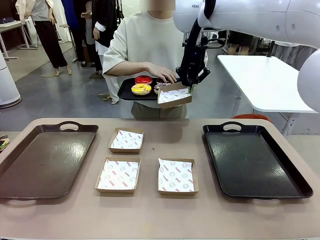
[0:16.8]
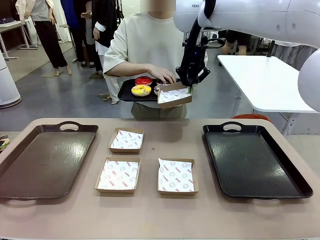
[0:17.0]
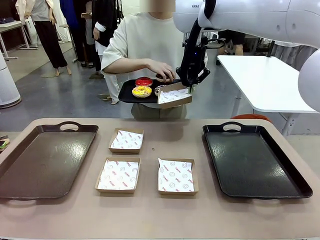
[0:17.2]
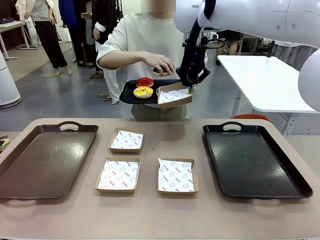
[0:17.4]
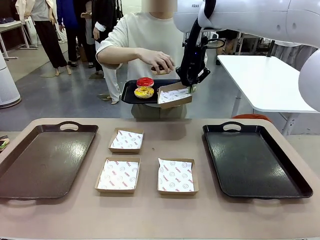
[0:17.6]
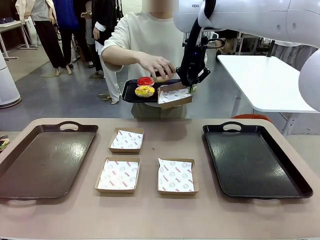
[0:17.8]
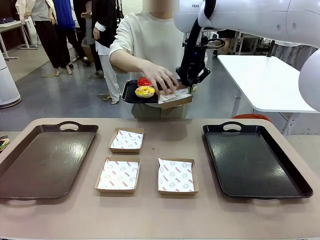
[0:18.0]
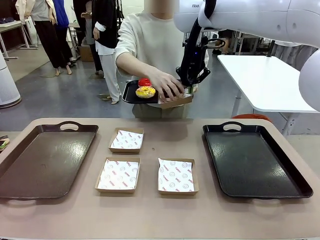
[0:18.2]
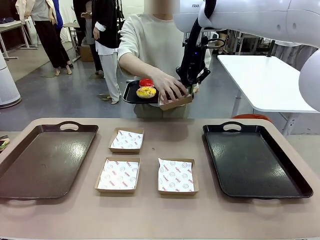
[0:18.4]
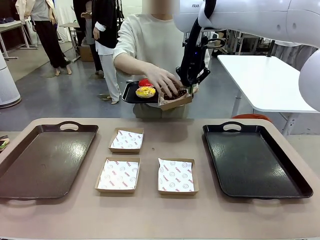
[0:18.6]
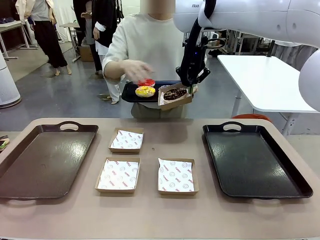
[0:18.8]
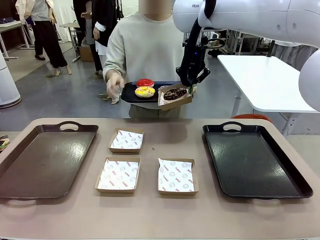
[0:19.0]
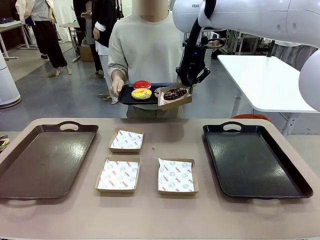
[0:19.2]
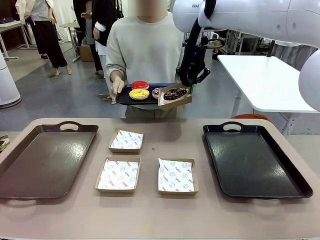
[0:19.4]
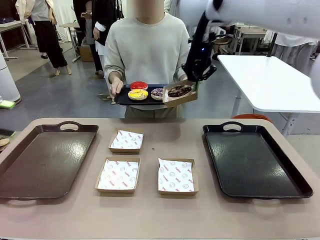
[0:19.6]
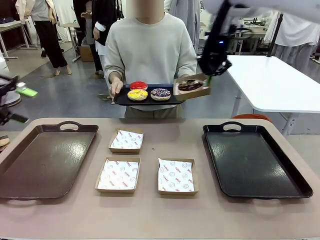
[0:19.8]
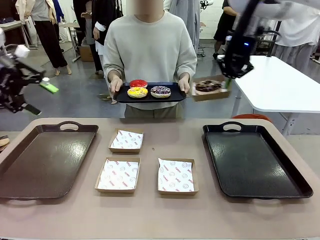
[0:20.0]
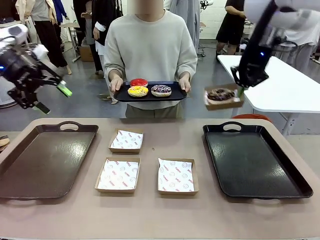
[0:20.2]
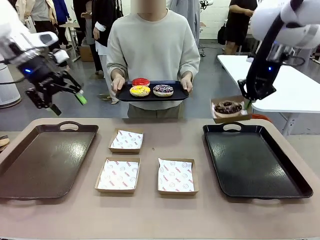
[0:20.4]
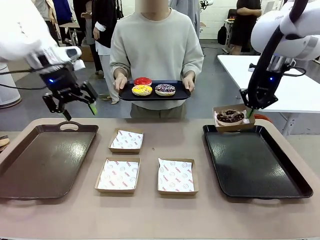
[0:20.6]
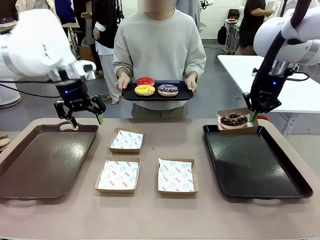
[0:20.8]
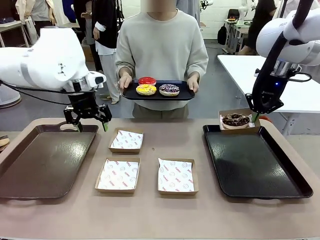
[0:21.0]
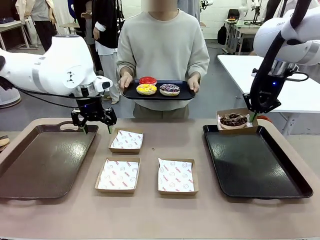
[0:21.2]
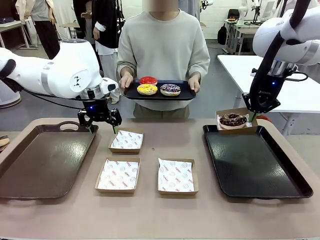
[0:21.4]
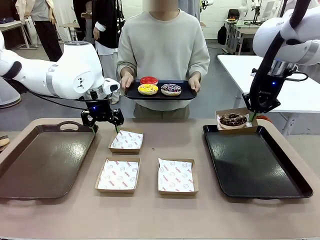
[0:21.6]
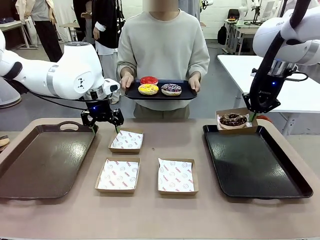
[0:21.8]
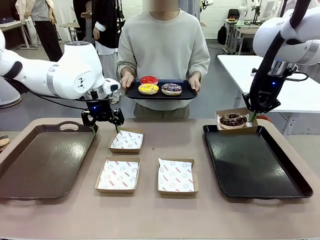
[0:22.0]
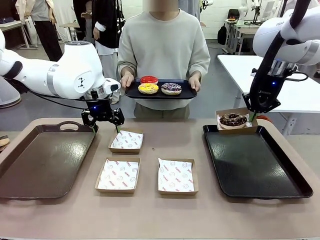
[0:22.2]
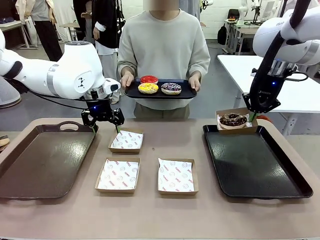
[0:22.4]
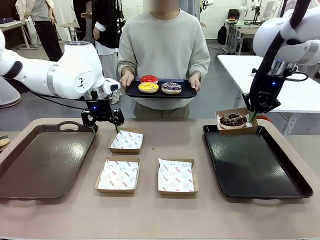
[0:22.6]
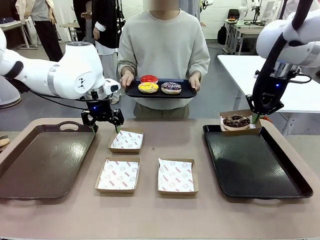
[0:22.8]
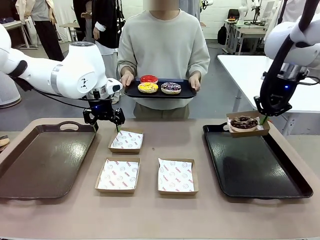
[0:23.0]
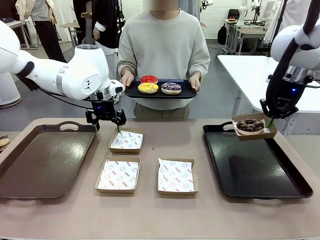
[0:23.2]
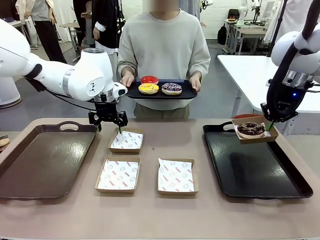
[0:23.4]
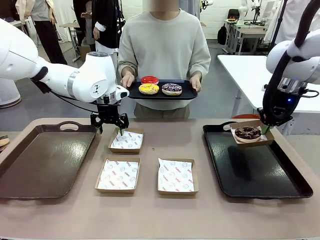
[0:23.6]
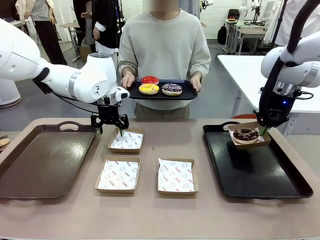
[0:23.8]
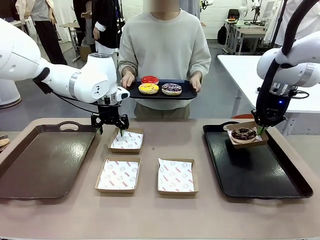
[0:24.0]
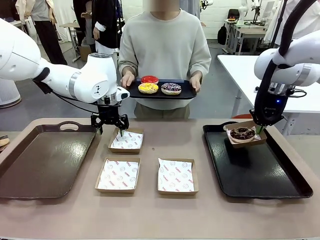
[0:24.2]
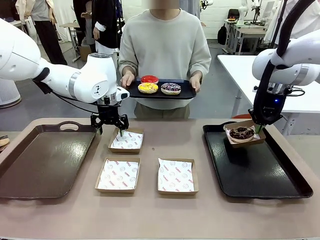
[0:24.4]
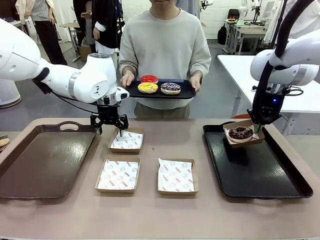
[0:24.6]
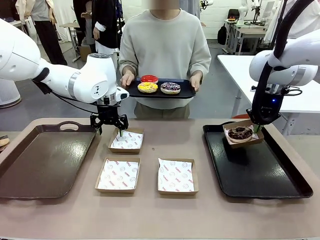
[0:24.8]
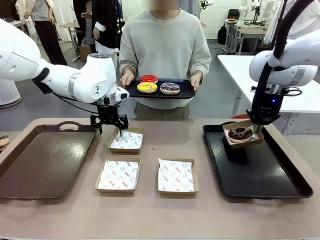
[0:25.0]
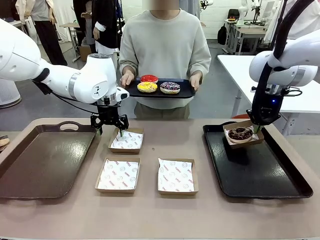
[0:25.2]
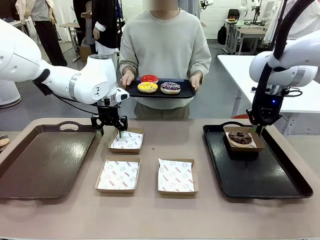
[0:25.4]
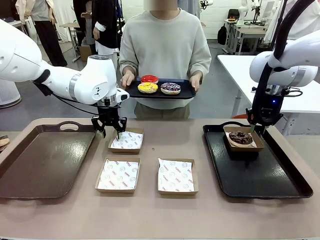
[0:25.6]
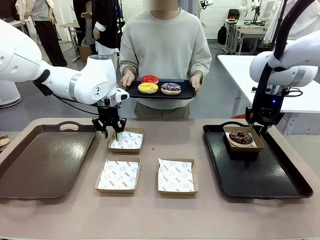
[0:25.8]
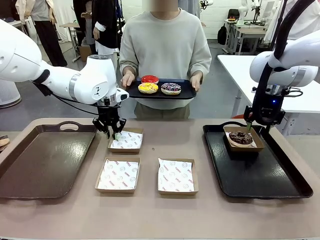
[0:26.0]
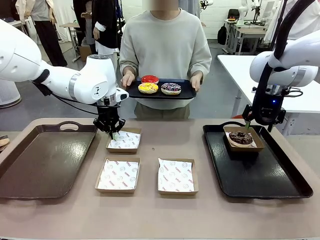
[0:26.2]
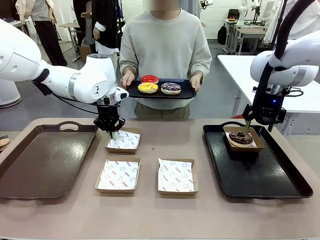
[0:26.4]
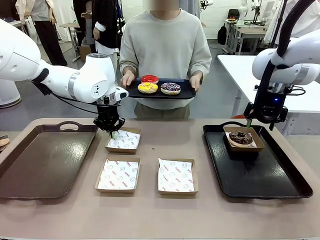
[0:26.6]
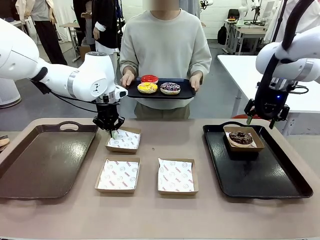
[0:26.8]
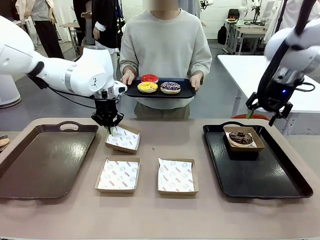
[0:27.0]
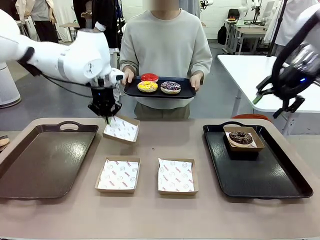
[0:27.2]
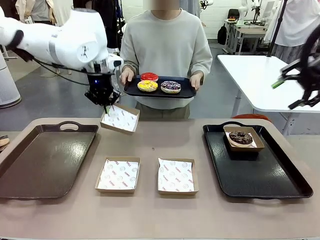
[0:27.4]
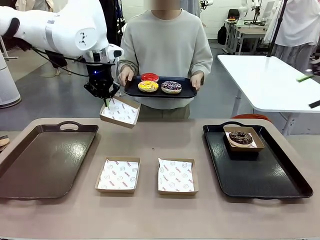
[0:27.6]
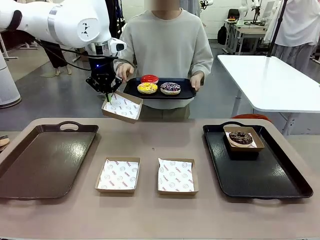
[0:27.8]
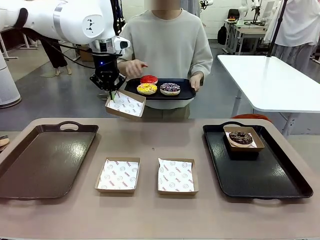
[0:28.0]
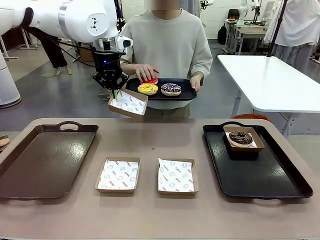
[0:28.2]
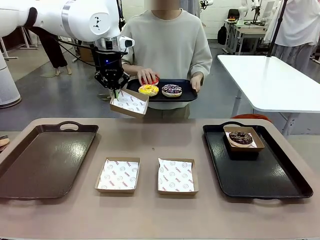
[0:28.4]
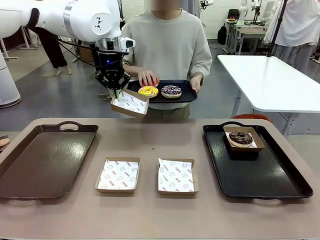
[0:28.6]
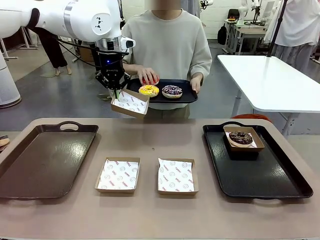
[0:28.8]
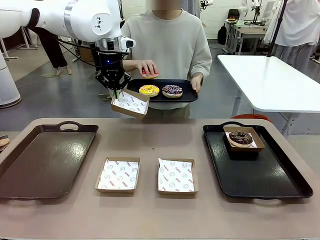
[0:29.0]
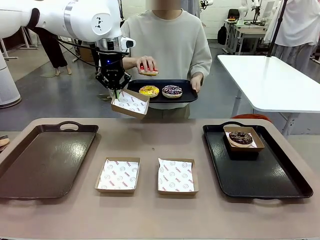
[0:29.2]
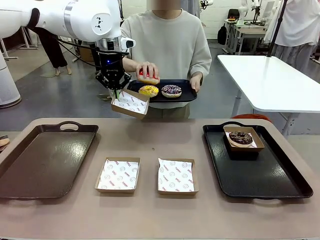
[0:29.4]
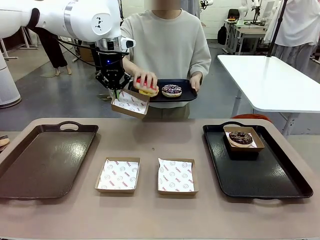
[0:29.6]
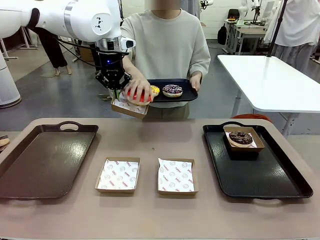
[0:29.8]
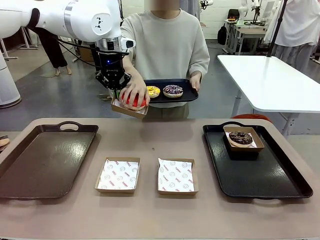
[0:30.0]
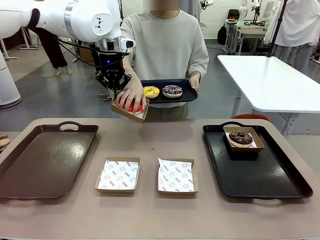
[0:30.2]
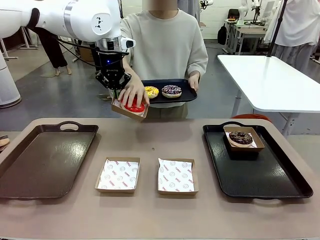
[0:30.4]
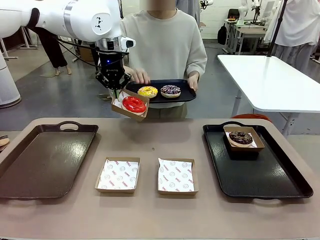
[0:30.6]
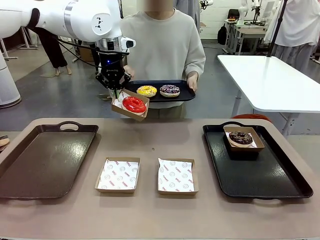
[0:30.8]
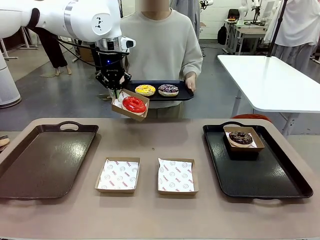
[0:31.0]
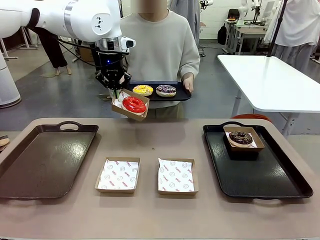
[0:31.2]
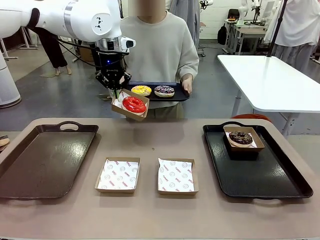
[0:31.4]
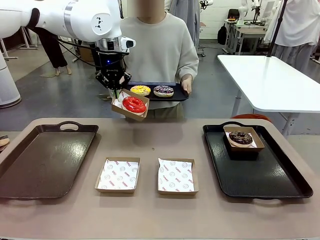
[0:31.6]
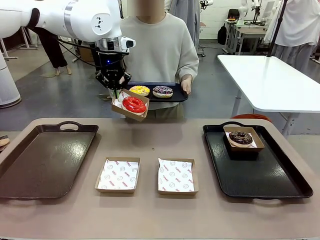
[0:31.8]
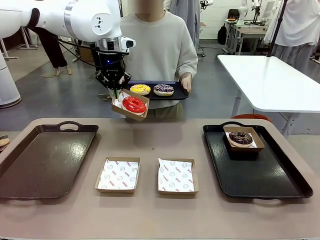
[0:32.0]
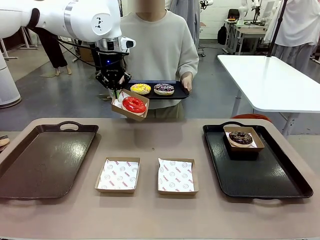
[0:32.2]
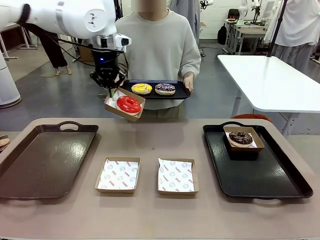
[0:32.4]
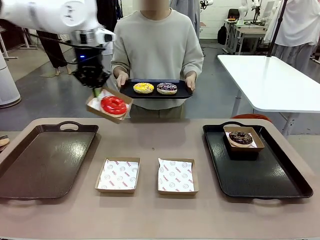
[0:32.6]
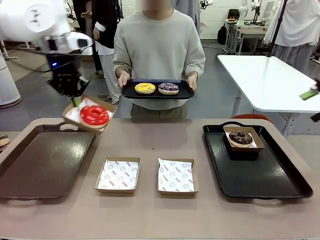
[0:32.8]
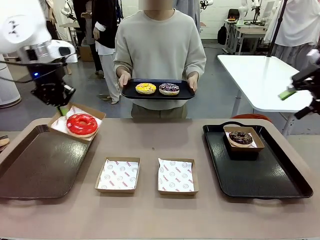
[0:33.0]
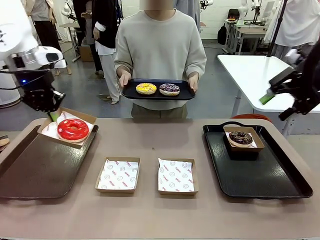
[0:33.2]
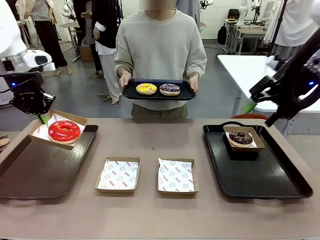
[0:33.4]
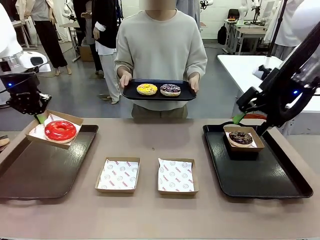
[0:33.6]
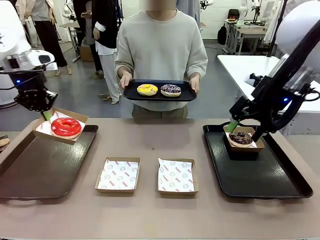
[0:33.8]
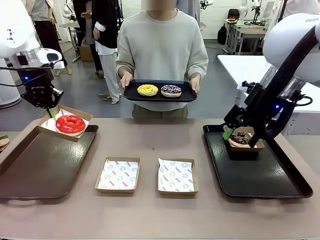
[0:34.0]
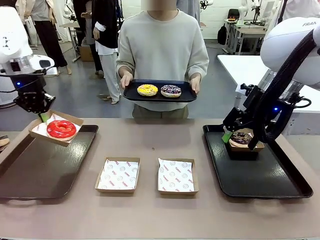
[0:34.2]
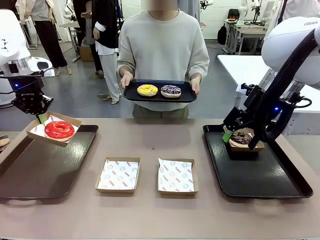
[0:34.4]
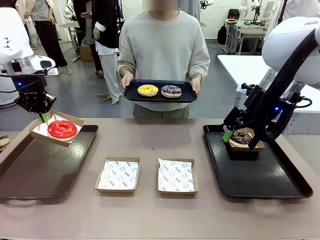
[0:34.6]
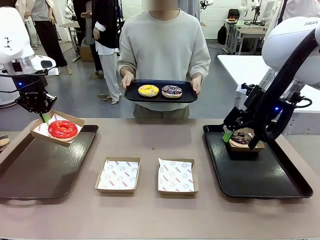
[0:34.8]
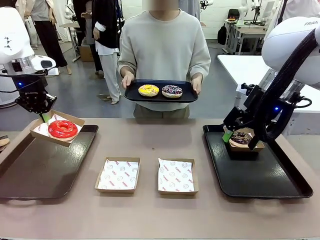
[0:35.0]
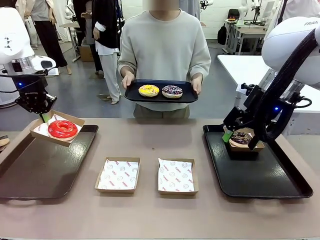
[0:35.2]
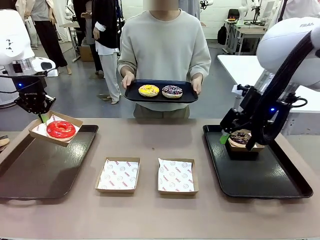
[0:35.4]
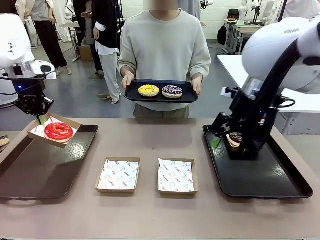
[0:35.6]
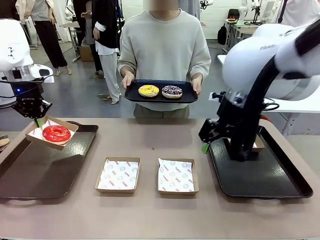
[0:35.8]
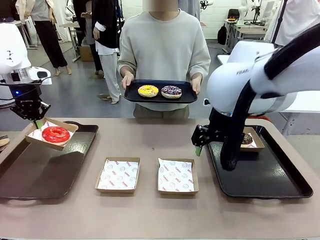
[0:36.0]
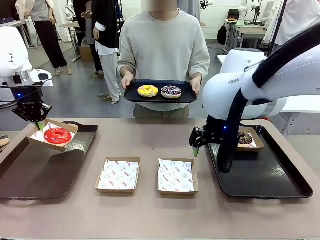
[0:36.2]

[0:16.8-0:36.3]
Task: Individually package the donuts and arrange them on the tray.
Robot: Place the picked Paper togo box on the Handle tray while simultaneously picking up another Paper togo box from the table with the other hand.
